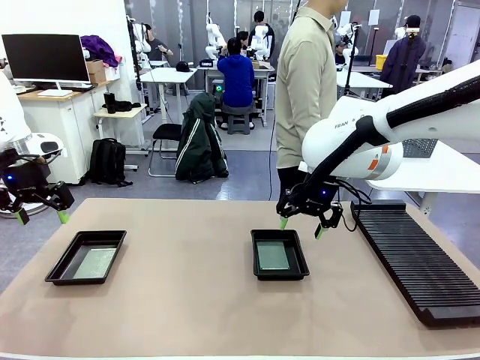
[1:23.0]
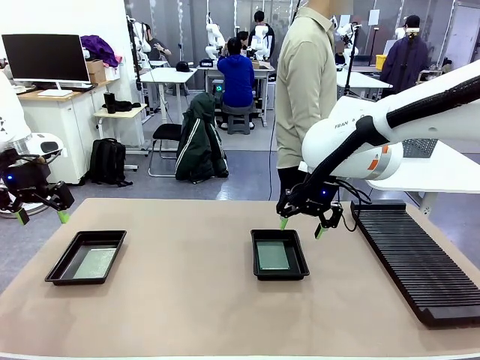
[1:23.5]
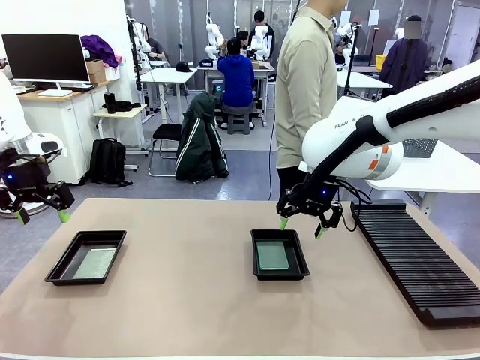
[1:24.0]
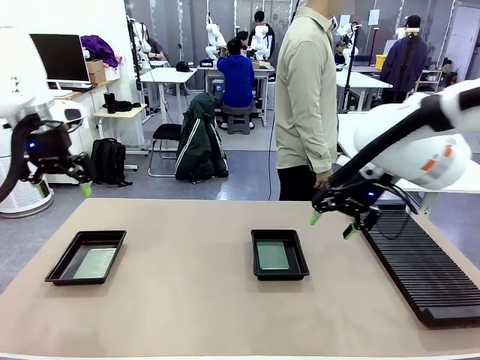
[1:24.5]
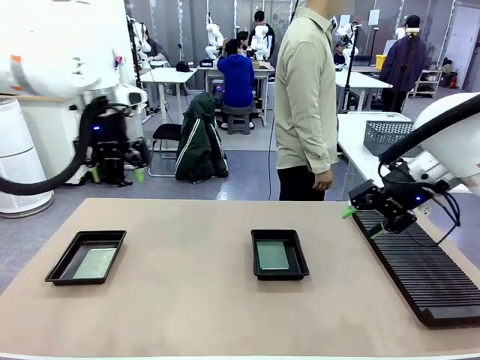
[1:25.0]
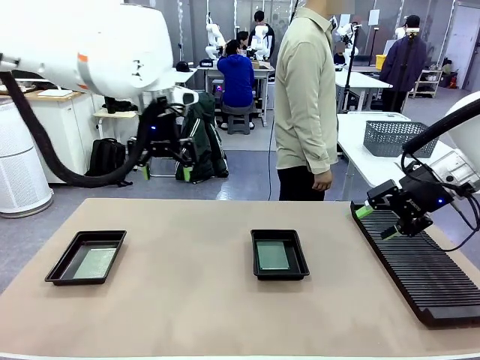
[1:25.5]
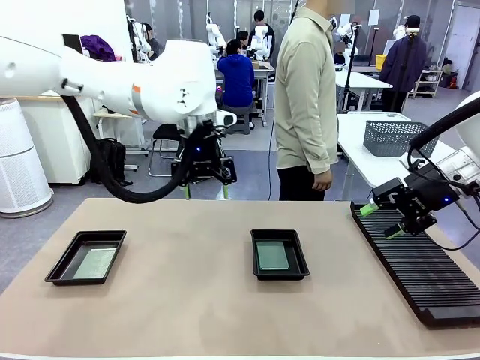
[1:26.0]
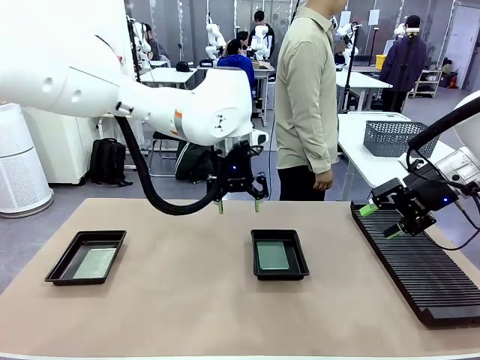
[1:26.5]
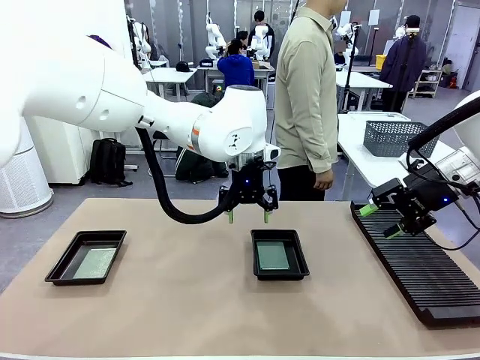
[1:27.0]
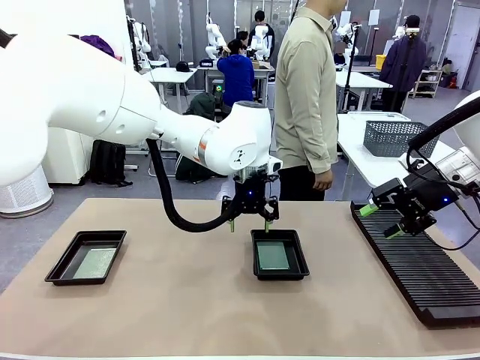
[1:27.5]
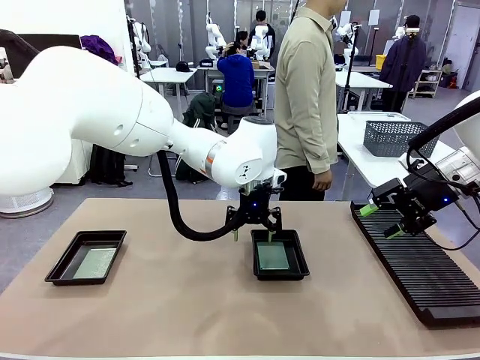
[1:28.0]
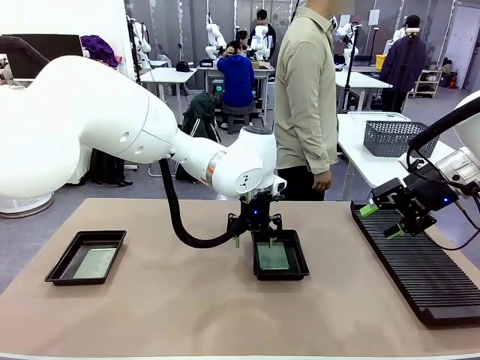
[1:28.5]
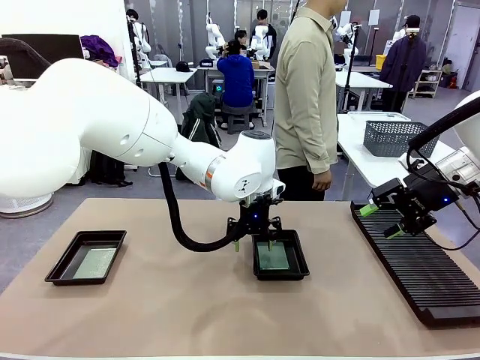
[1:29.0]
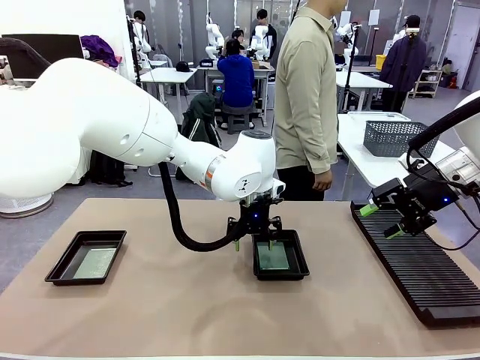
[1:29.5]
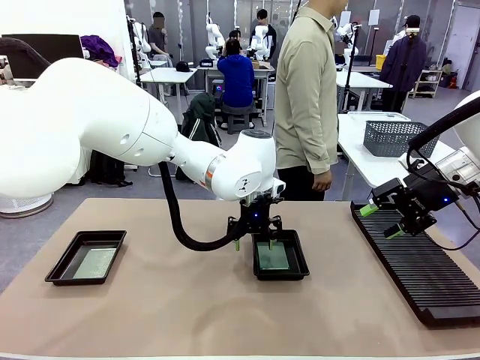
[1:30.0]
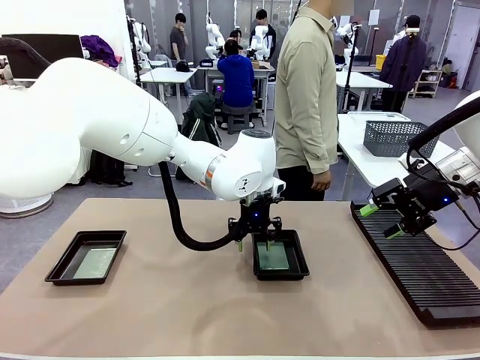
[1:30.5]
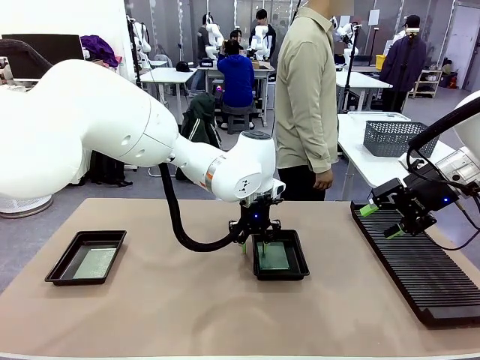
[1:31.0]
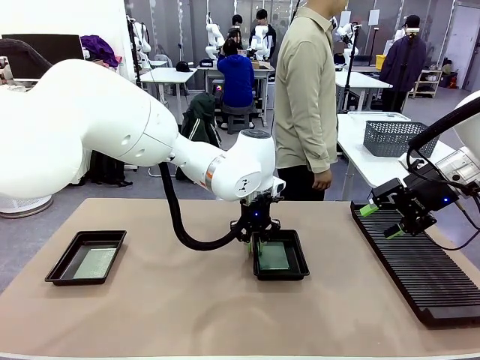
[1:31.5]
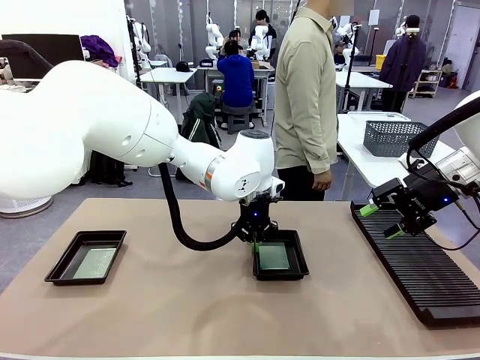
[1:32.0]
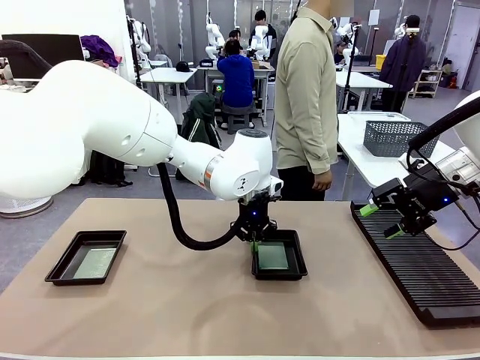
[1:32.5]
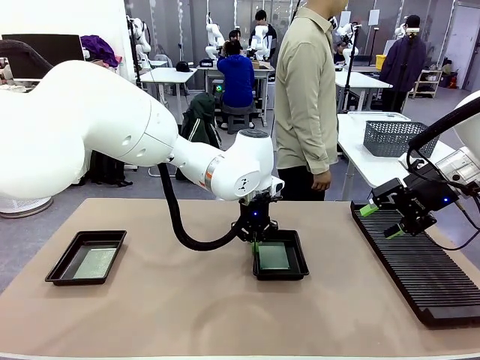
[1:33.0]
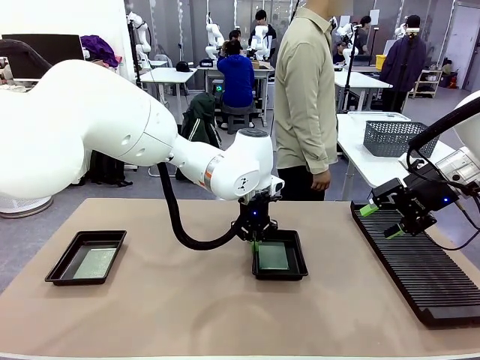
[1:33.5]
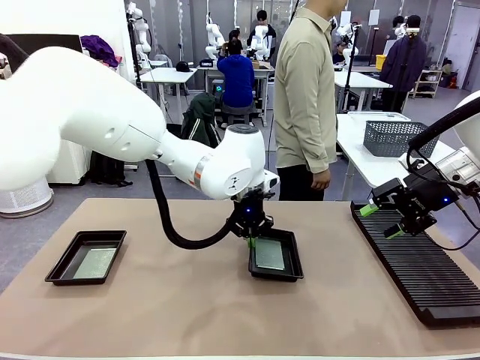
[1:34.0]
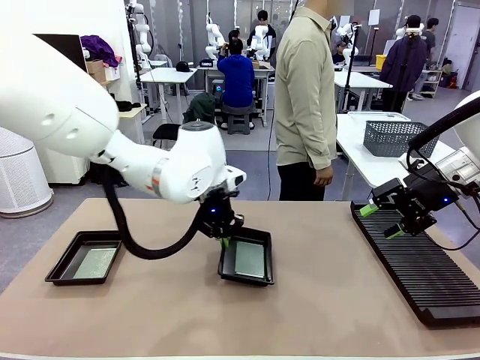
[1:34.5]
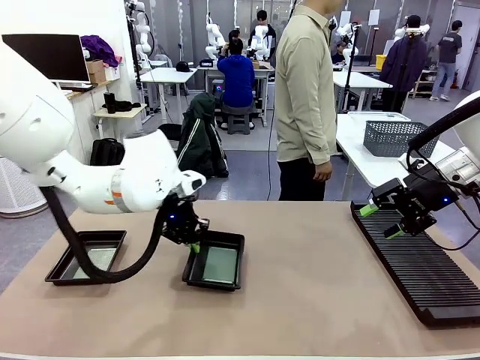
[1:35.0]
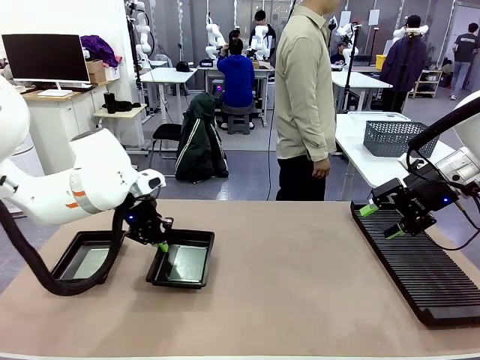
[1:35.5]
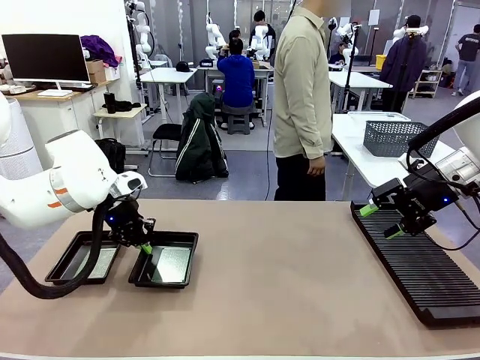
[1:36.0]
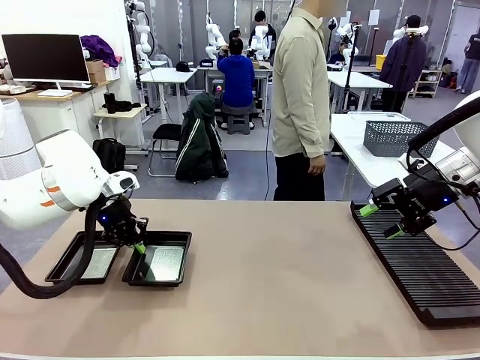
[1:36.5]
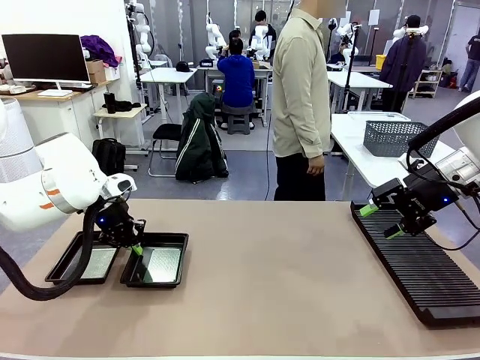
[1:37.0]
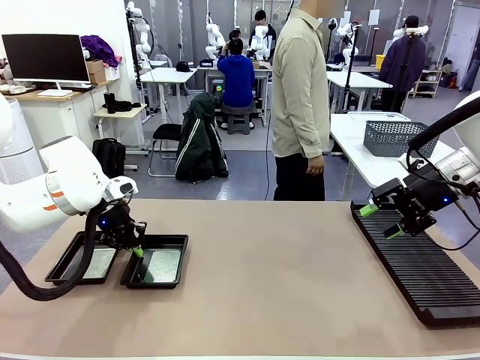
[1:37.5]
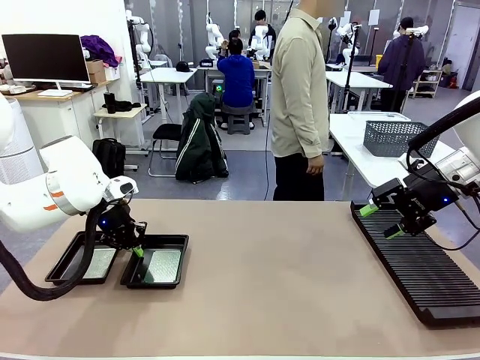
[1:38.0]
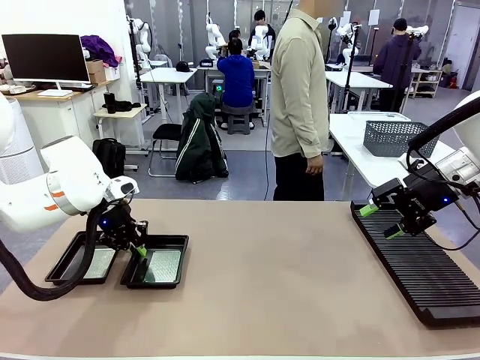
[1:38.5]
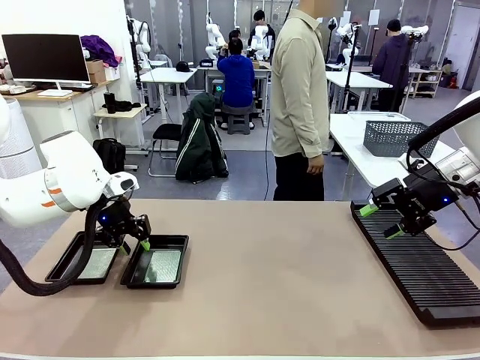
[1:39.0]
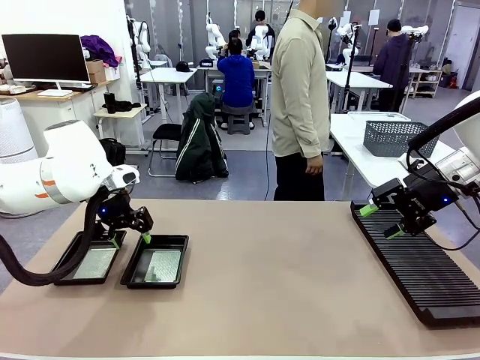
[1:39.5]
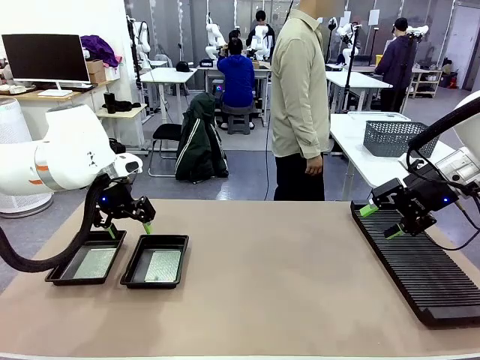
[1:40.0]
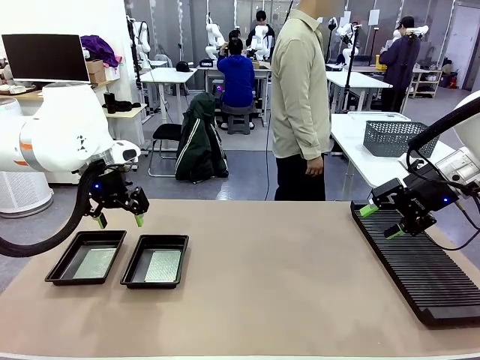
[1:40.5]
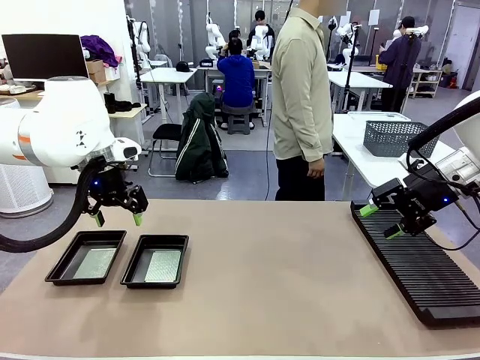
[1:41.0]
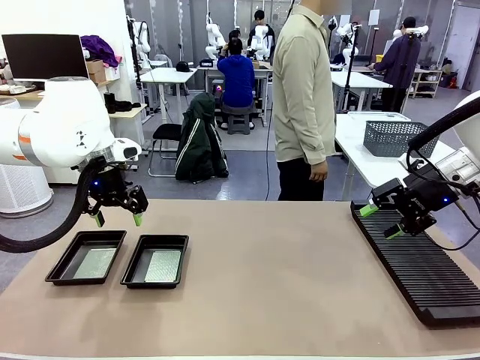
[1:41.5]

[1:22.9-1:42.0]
Task: Inspect and transfer BCBs to ESD trays.
Robot: Pick up the ESD tray and place it on the left side of the table.

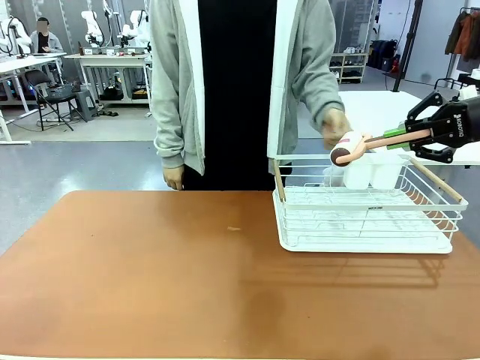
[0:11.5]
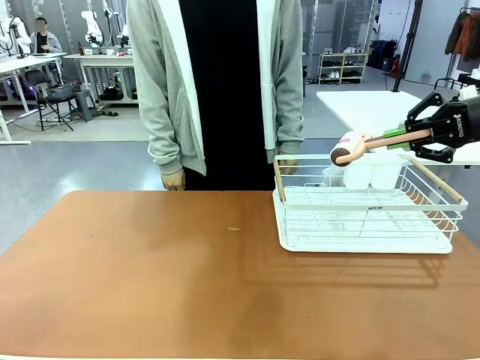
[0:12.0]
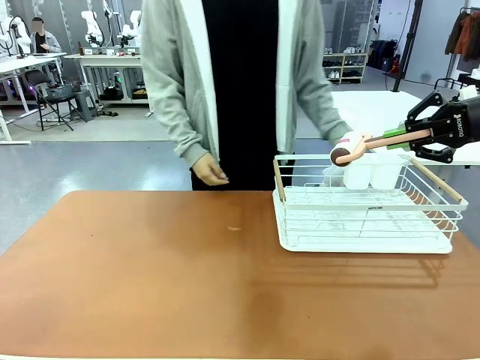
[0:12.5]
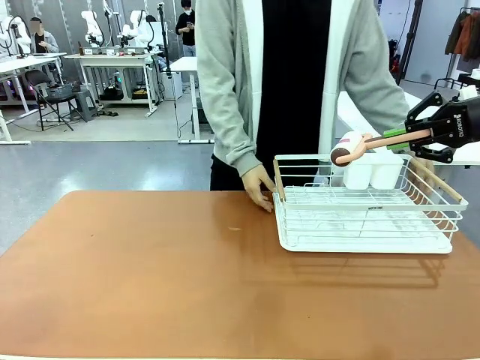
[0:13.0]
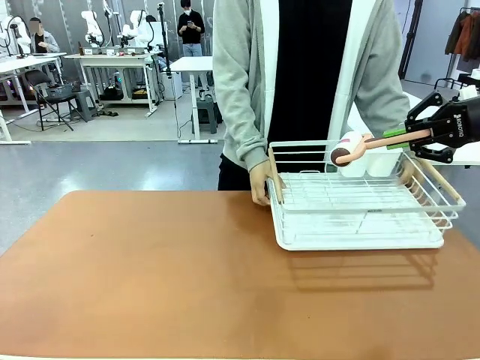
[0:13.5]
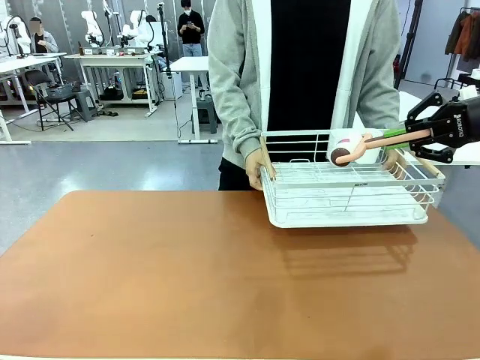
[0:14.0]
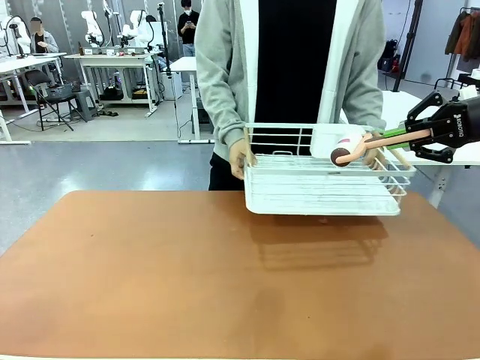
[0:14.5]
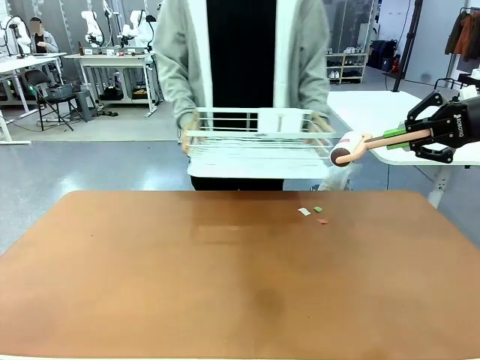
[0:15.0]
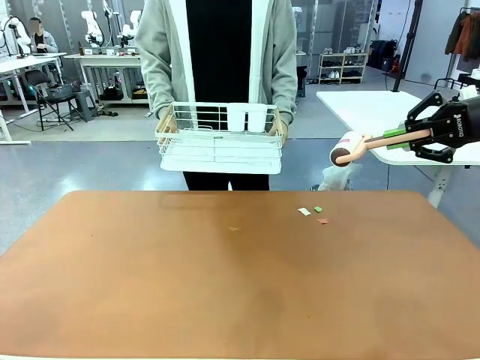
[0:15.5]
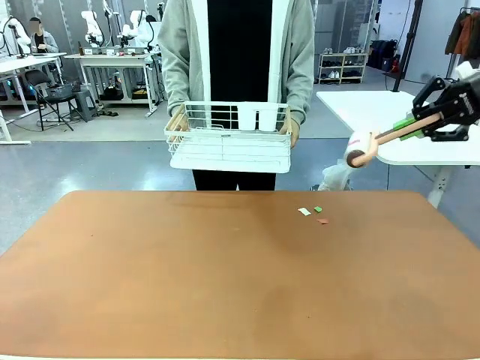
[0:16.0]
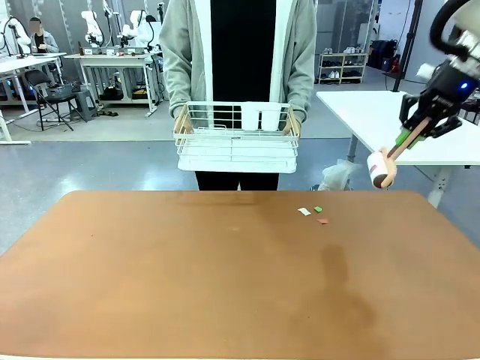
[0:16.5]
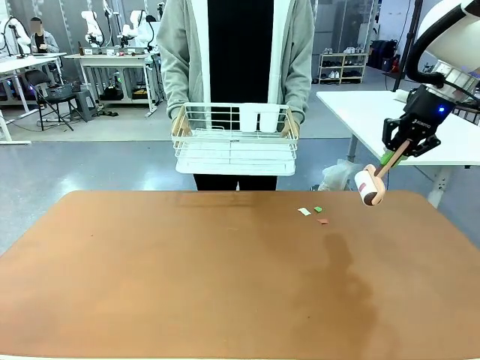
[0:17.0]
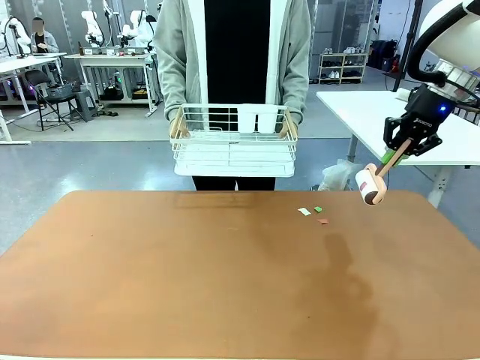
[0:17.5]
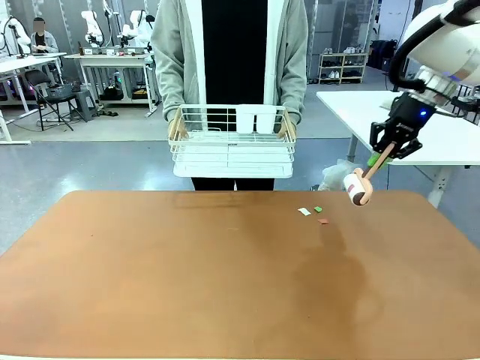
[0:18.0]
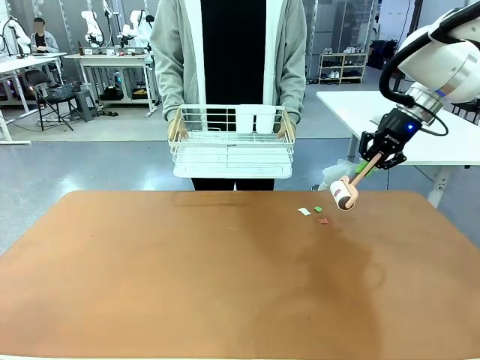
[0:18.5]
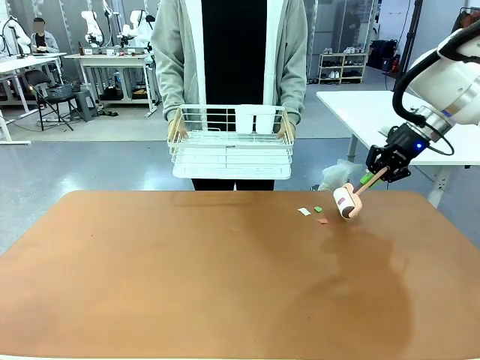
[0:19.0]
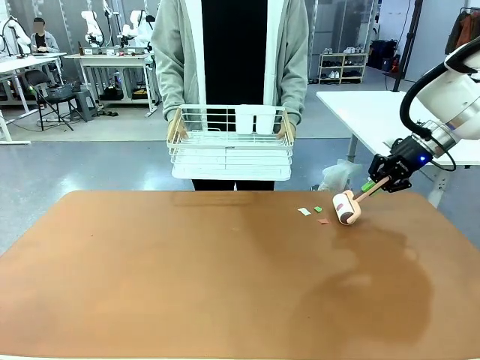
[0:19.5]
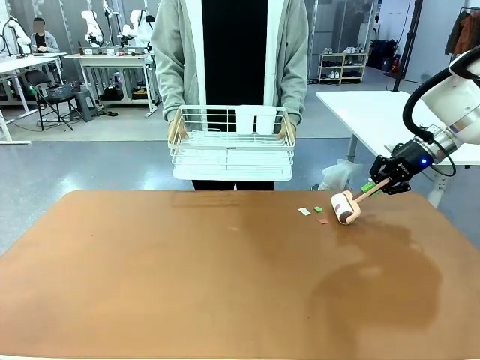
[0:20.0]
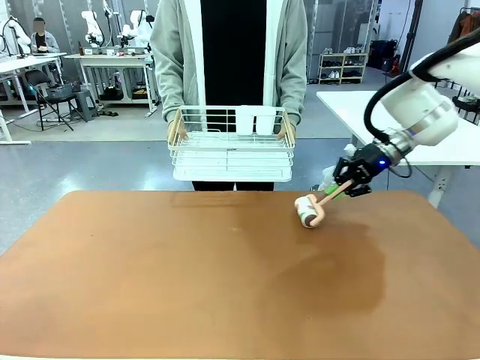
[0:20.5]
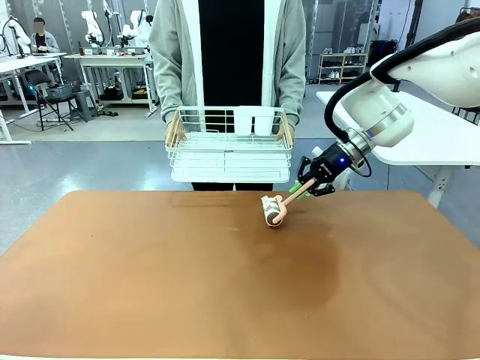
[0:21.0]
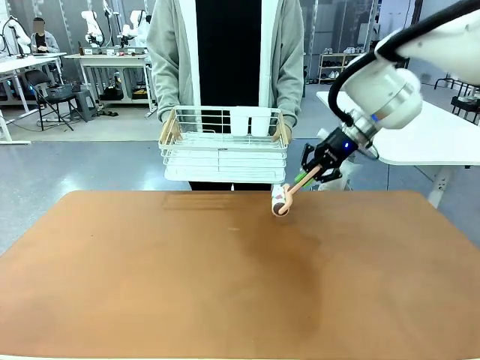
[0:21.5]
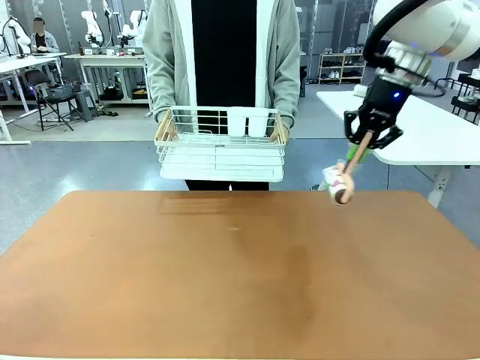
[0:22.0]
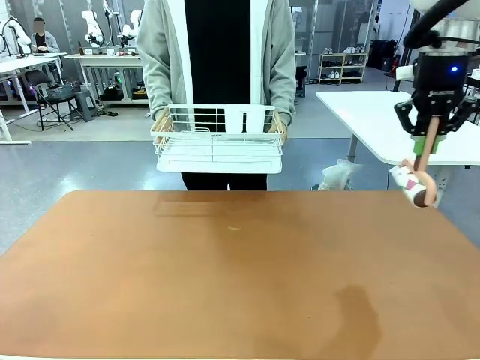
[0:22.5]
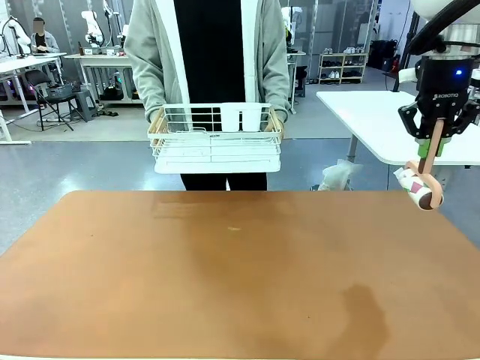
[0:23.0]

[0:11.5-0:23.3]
Task: Clean the table.
Robot: Clean the table with the Lint Roller when the human lifts the Dish drying rack.
Person: Place the Dish drying rack down when the robot finishes cleaning.
